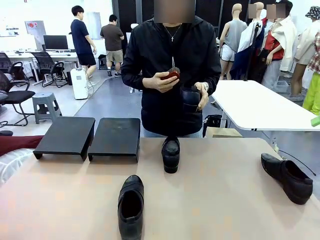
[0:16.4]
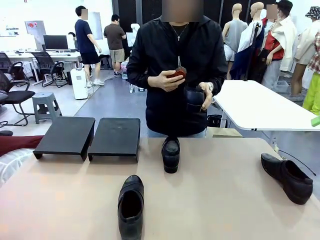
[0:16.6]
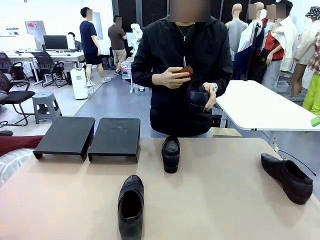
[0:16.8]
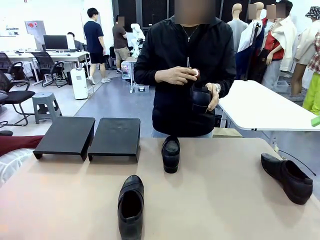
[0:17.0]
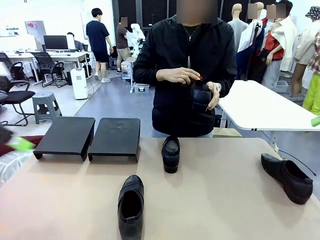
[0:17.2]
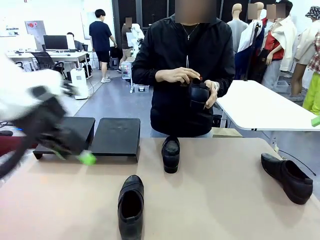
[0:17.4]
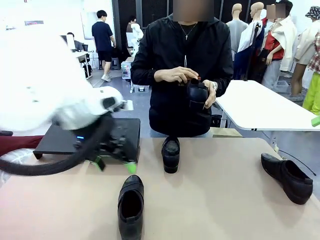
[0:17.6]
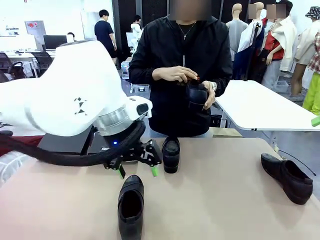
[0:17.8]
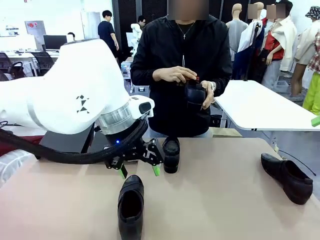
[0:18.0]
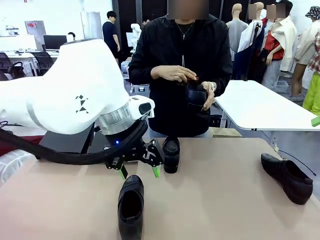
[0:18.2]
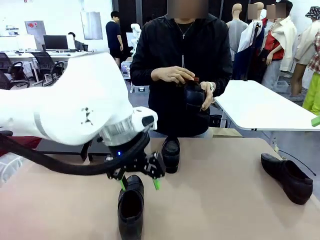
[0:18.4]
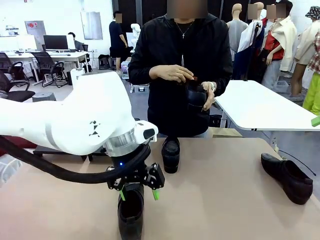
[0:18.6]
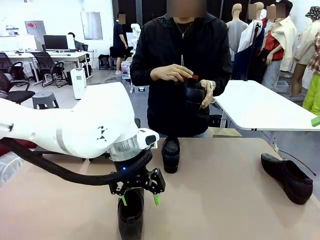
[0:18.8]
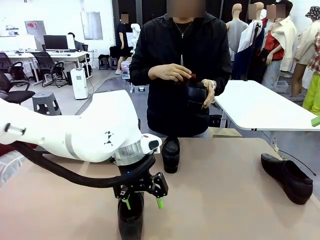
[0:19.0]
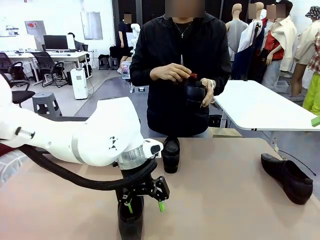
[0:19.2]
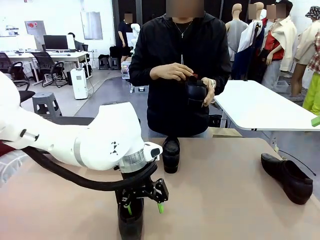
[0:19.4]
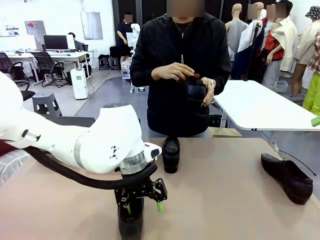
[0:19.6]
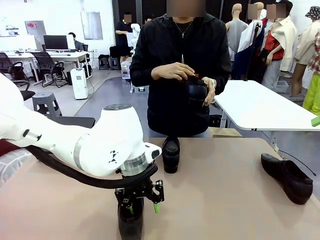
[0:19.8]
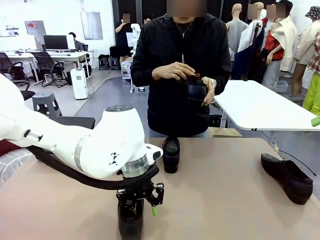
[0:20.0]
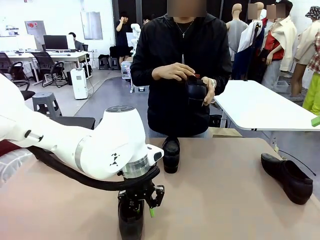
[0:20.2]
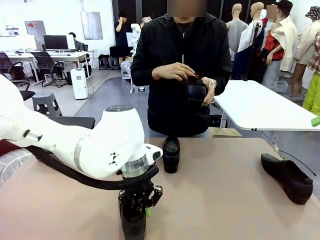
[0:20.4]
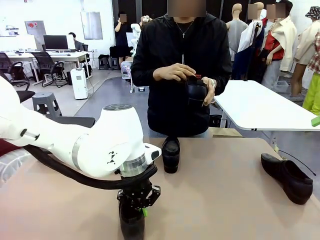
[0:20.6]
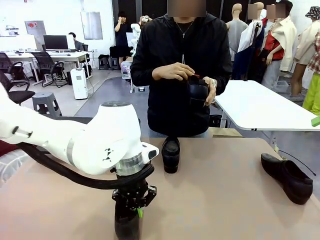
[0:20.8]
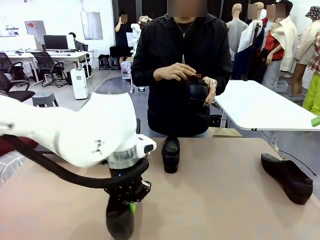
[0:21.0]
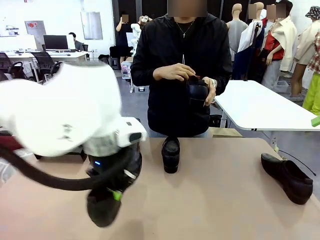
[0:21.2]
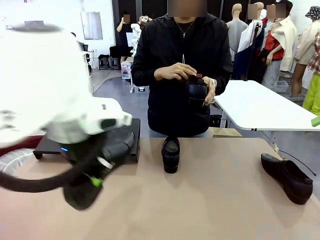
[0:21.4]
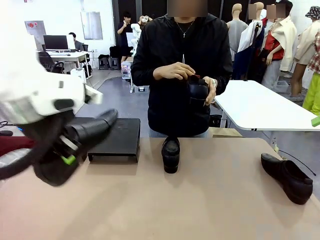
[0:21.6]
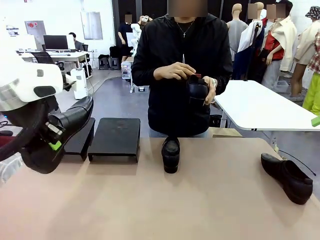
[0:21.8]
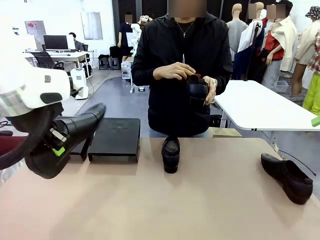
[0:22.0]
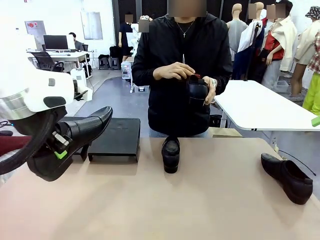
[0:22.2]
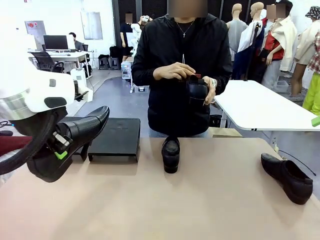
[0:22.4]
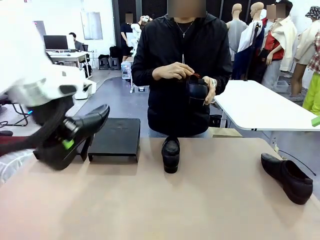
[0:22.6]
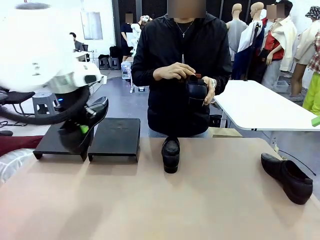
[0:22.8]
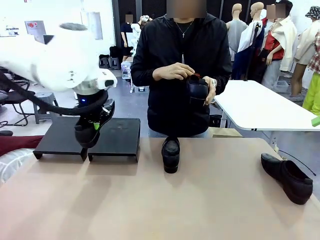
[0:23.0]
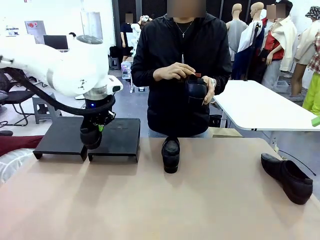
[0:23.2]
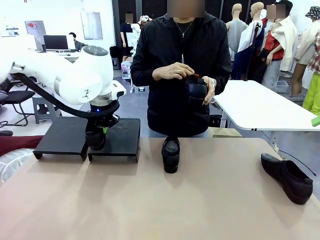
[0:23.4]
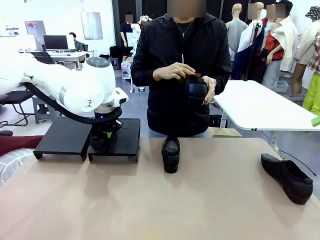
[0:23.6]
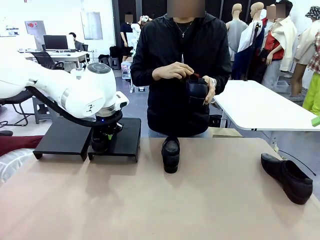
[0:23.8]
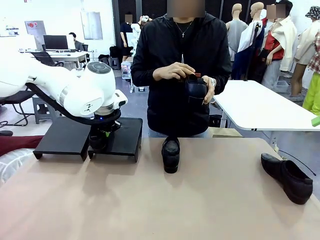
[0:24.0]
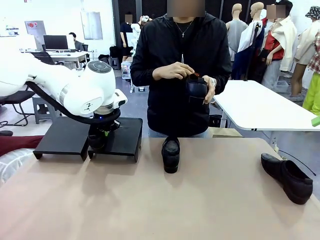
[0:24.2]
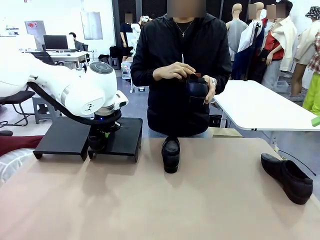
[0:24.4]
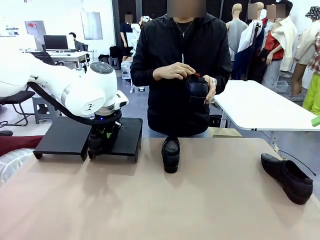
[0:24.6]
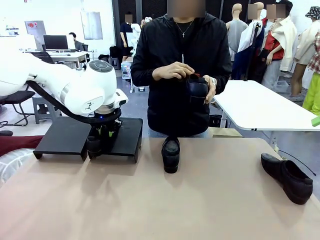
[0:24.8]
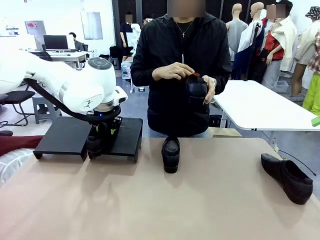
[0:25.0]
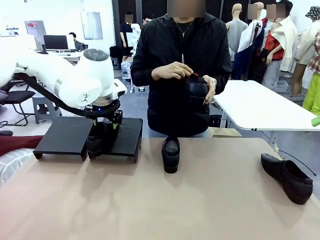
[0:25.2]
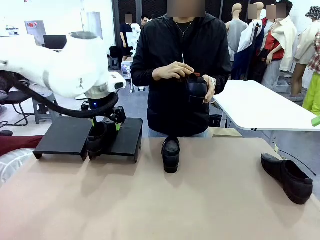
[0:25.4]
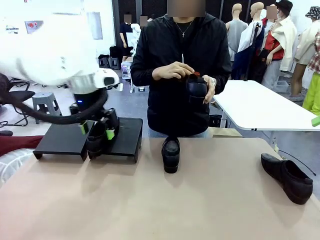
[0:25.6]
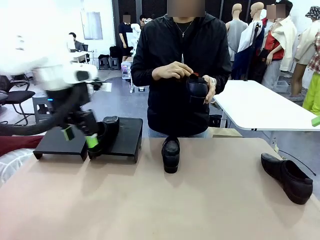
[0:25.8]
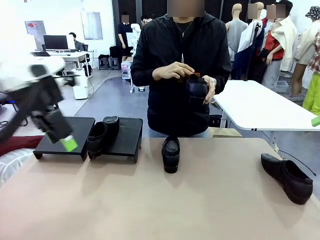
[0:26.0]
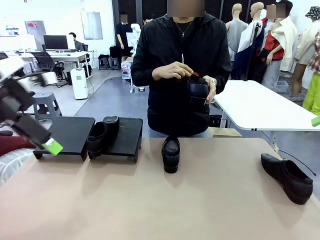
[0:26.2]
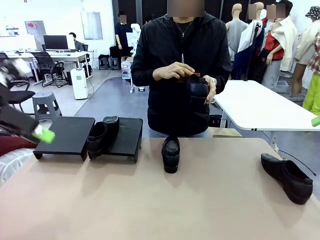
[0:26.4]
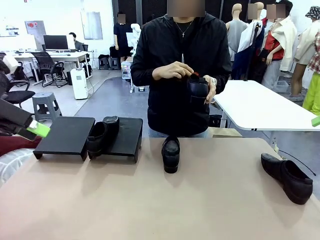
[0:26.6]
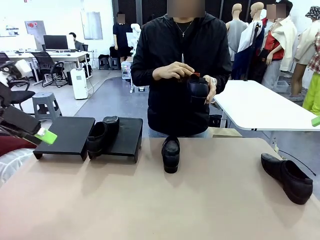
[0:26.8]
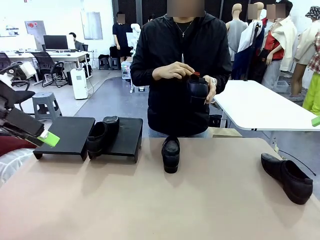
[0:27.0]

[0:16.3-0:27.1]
Task: Organize the shoes by placing them on the stand.
Robot: Place the Shoe from the middle of the table onto the Shoes Stand.
Person: Clean the Shoe with the Shoe Brush.

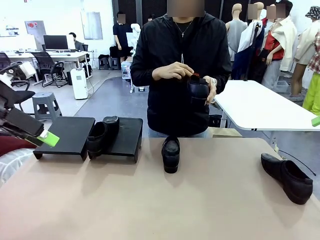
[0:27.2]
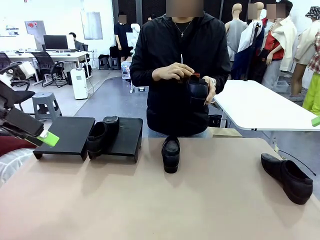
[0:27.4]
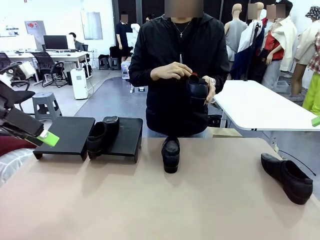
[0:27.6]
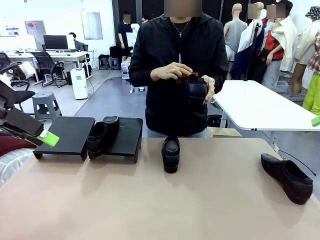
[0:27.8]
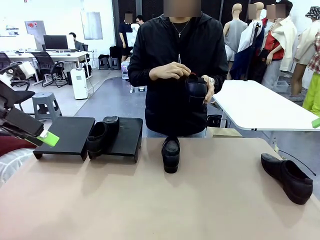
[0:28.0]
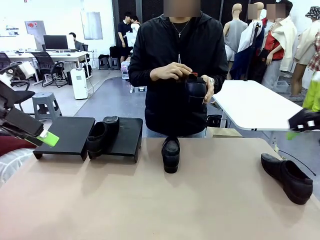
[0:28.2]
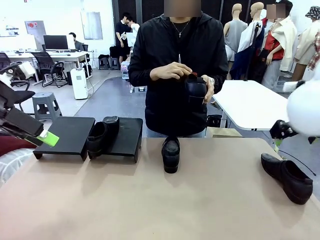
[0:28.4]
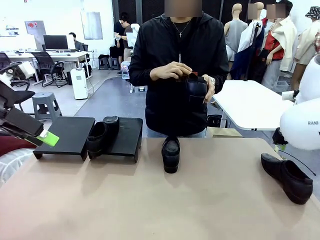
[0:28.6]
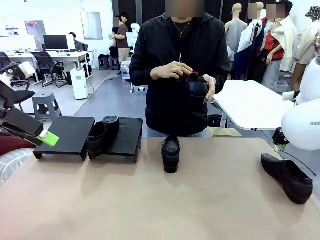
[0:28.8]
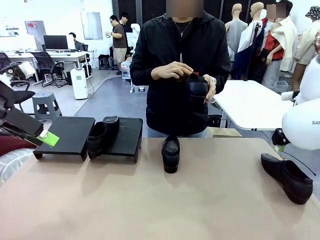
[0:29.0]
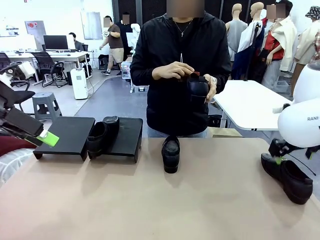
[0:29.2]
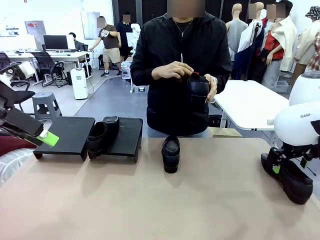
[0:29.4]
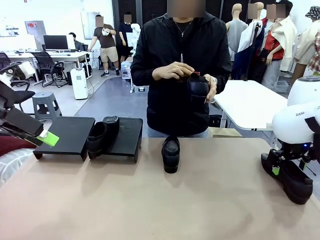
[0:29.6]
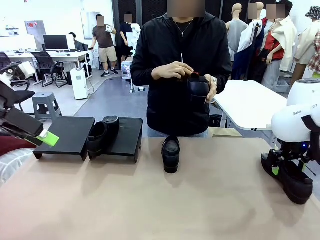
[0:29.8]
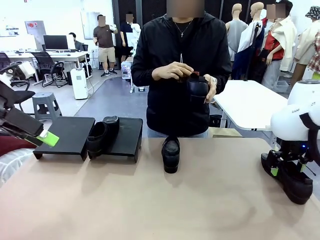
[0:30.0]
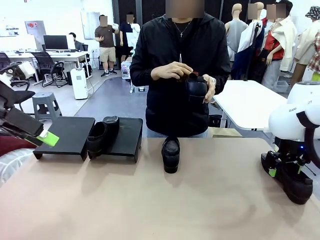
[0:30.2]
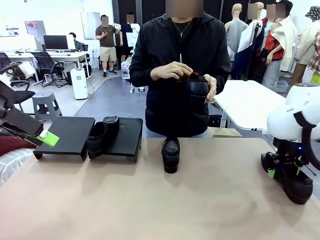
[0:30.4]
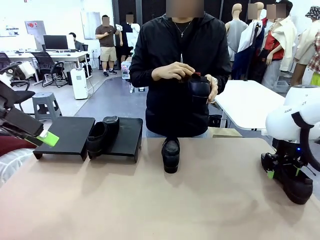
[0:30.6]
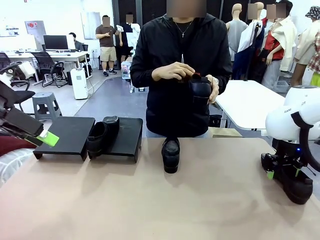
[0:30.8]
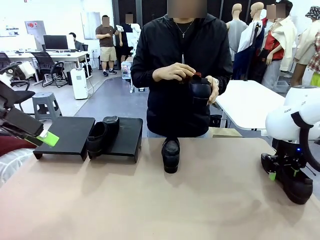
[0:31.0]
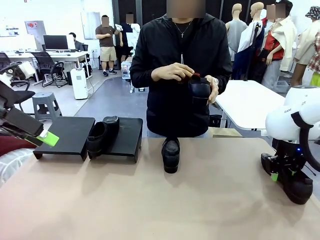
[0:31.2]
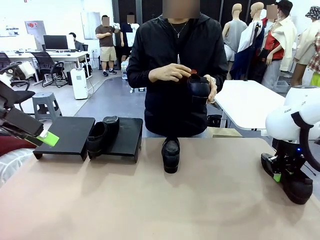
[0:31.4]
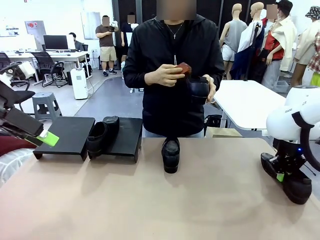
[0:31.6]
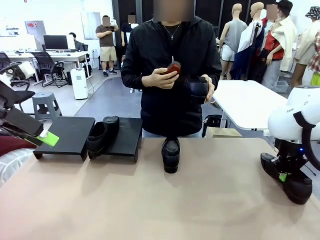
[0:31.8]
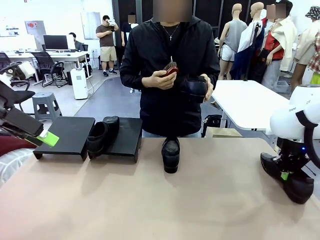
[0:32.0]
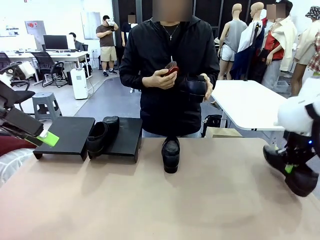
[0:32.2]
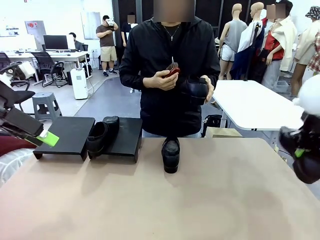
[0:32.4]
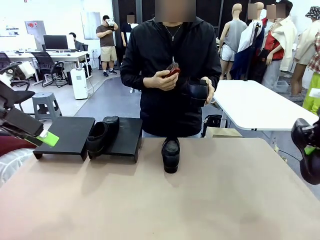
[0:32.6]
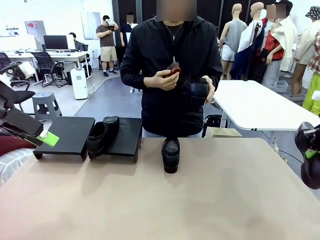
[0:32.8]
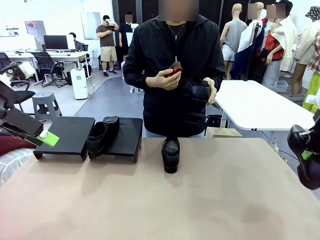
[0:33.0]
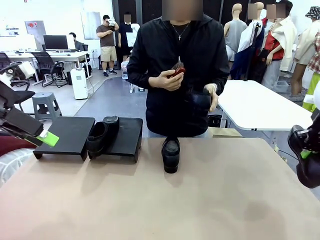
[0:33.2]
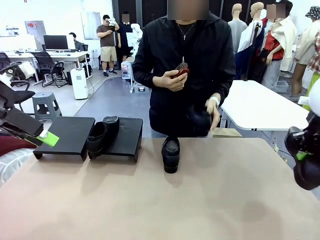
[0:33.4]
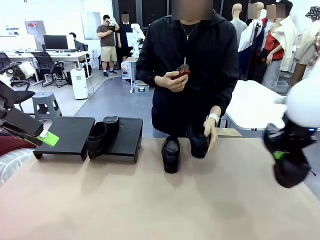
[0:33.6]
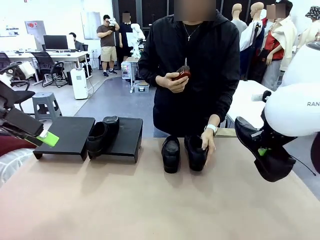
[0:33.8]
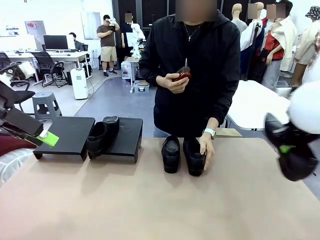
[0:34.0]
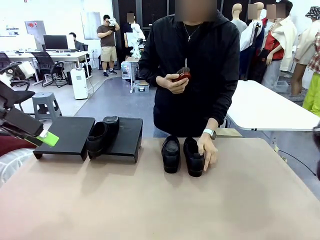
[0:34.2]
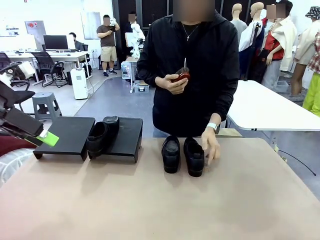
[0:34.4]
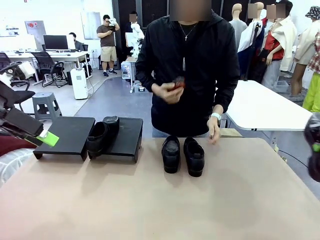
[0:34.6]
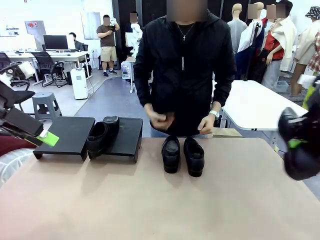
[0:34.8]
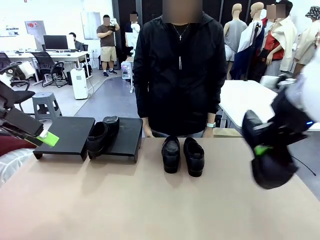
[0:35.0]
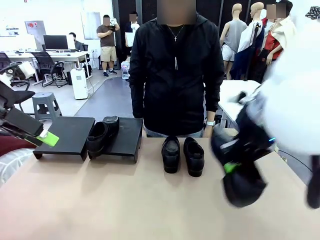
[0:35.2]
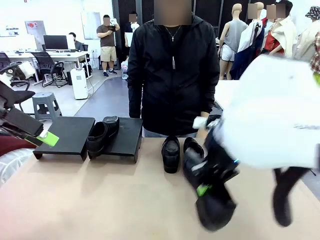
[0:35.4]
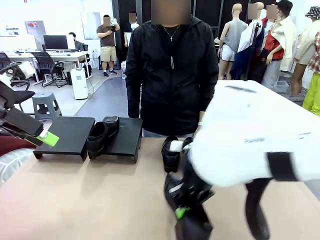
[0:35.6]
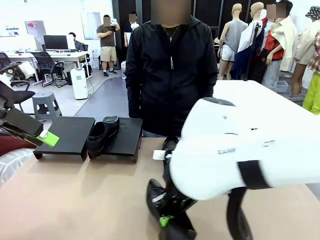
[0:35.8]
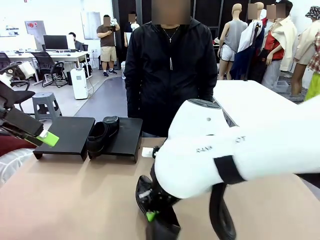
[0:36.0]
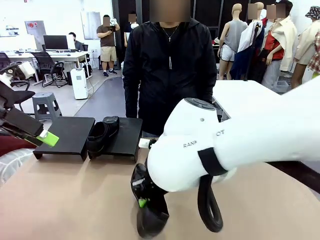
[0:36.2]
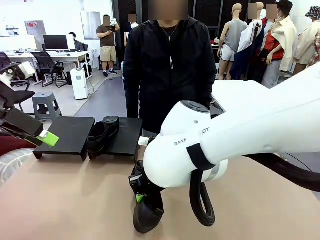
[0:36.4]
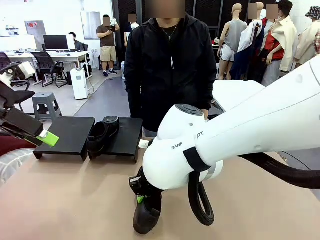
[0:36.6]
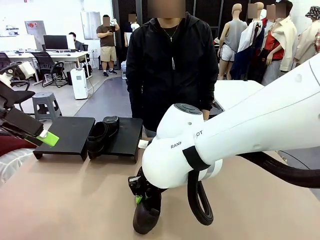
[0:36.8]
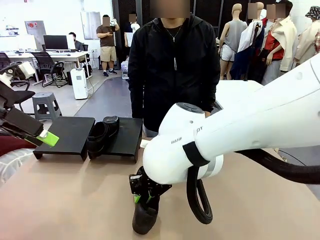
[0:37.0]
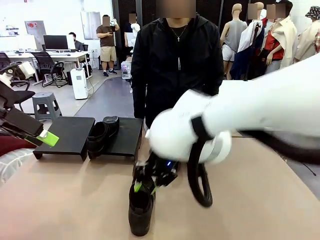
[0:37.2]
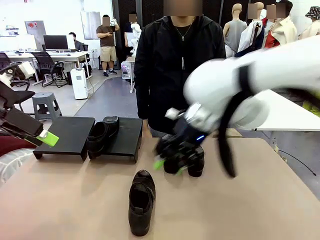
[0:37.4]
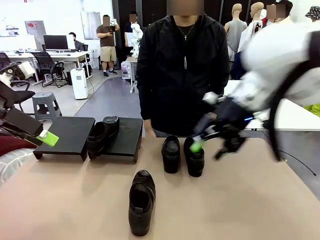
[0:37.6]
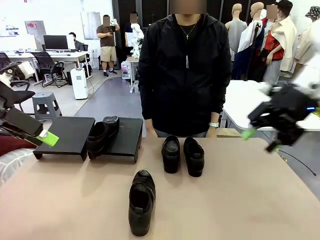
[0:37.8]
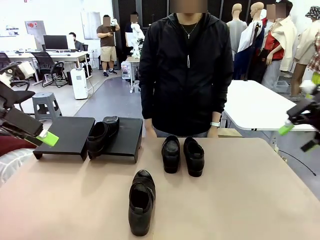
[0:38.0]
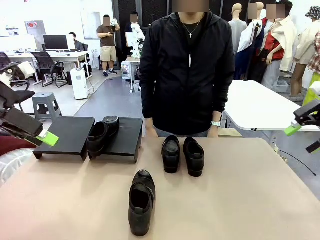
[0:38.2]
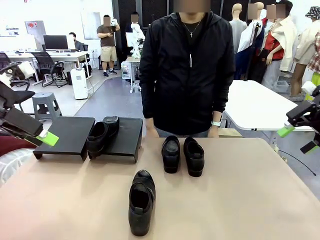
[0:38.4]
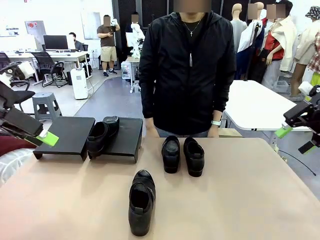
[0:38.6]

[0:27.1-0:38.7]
Robot: Pick up one Shoe and place it in the middle of the table.
